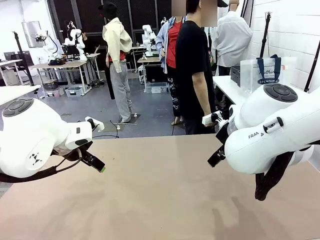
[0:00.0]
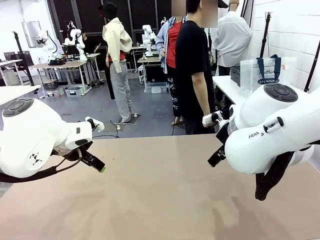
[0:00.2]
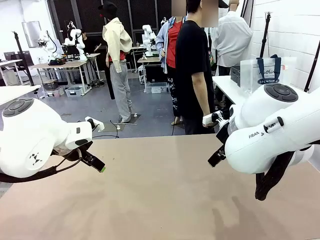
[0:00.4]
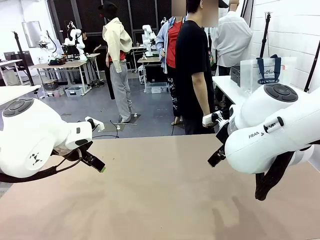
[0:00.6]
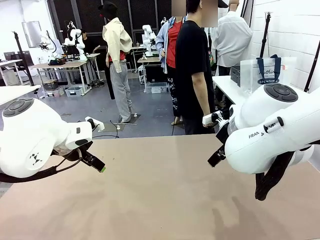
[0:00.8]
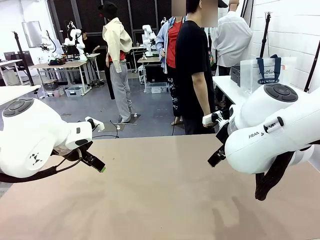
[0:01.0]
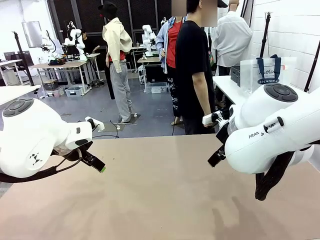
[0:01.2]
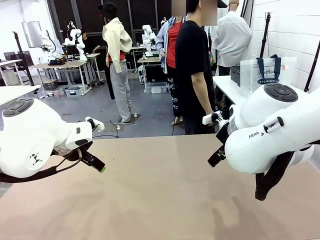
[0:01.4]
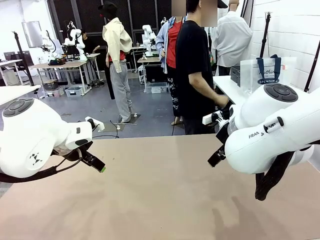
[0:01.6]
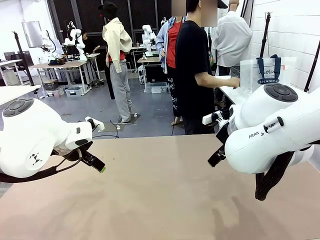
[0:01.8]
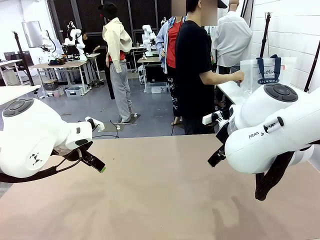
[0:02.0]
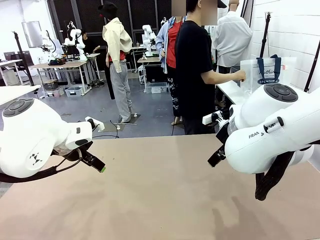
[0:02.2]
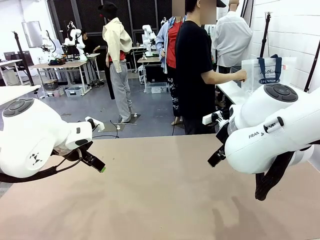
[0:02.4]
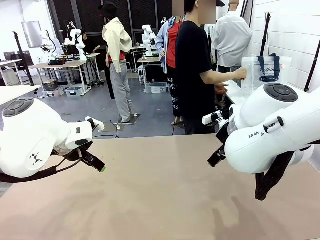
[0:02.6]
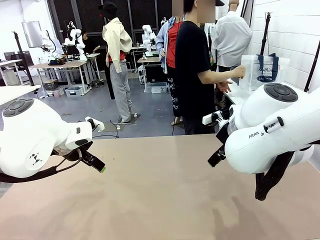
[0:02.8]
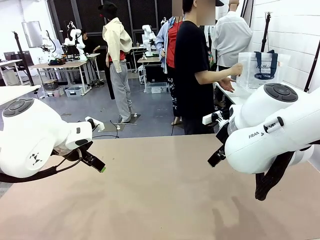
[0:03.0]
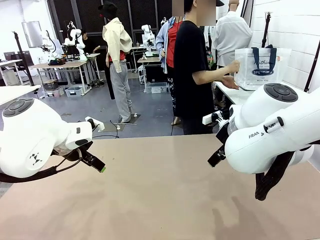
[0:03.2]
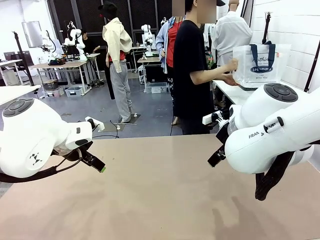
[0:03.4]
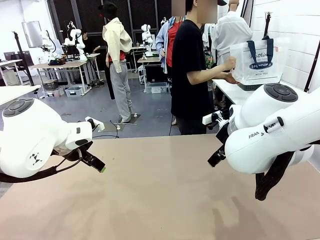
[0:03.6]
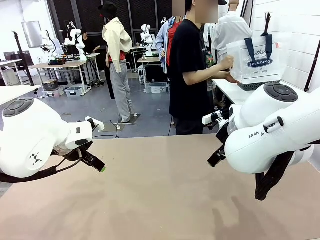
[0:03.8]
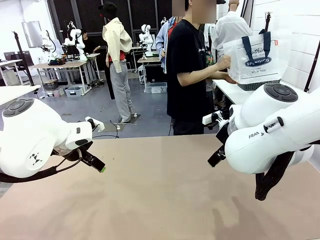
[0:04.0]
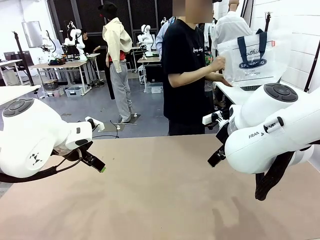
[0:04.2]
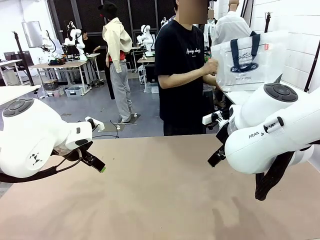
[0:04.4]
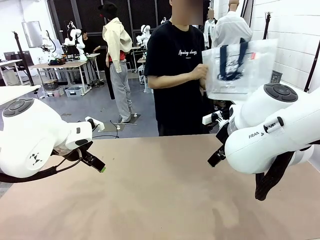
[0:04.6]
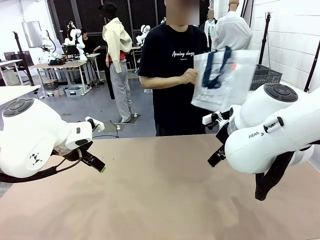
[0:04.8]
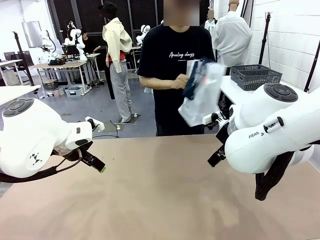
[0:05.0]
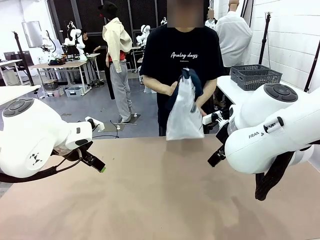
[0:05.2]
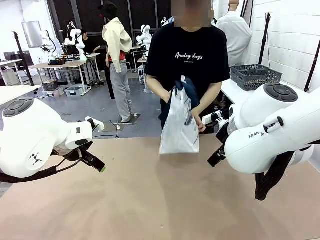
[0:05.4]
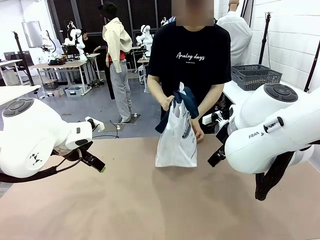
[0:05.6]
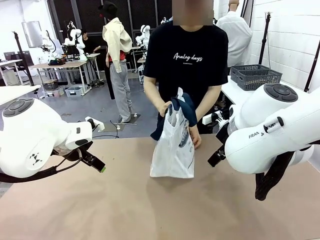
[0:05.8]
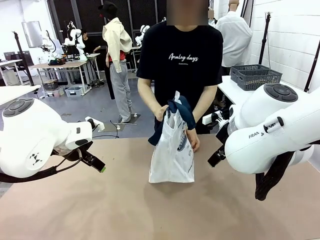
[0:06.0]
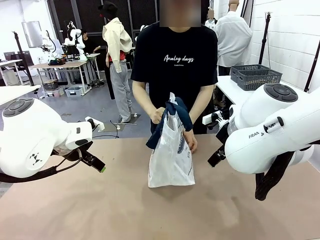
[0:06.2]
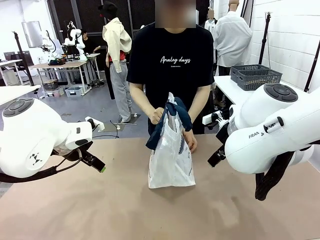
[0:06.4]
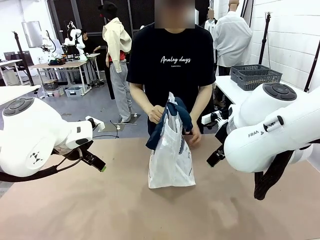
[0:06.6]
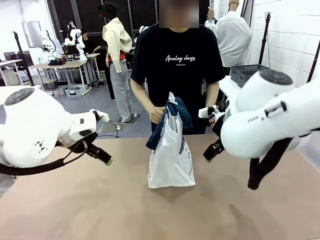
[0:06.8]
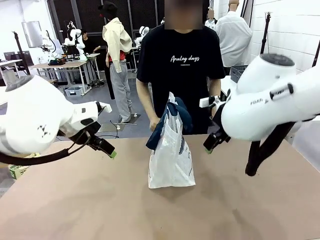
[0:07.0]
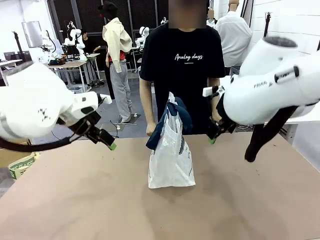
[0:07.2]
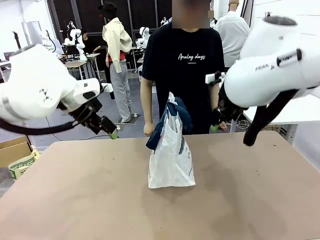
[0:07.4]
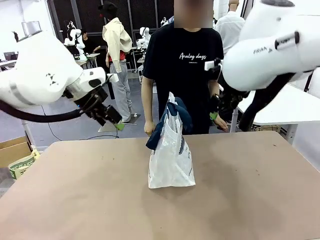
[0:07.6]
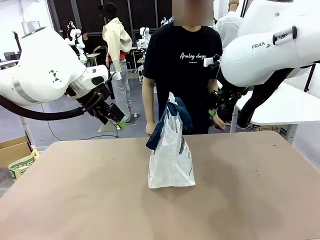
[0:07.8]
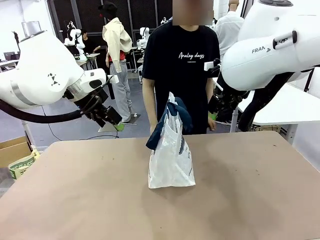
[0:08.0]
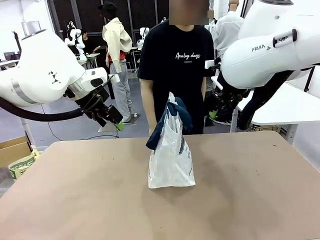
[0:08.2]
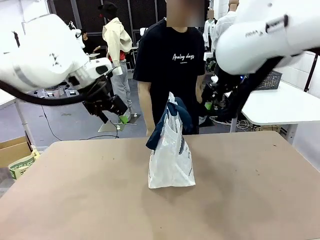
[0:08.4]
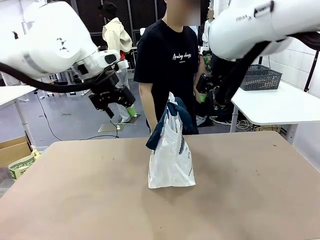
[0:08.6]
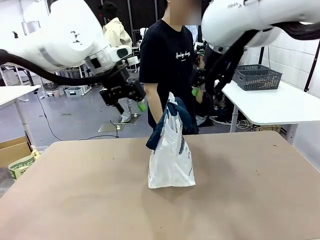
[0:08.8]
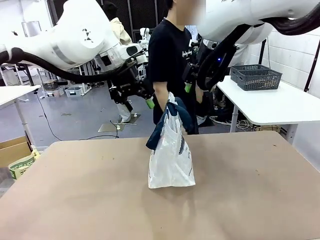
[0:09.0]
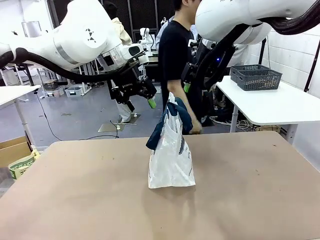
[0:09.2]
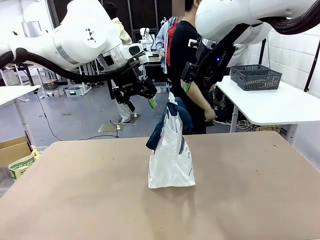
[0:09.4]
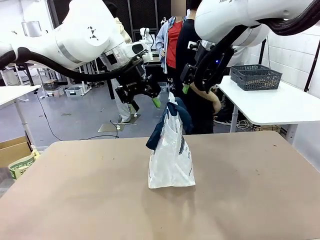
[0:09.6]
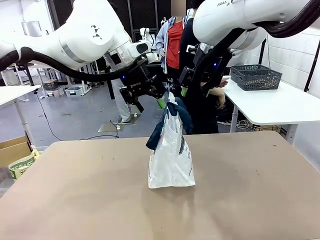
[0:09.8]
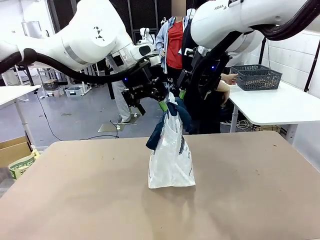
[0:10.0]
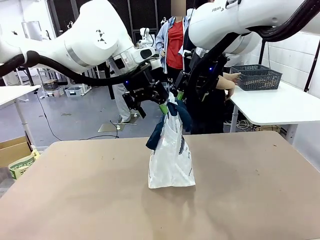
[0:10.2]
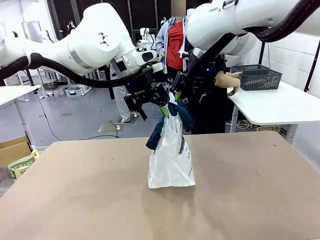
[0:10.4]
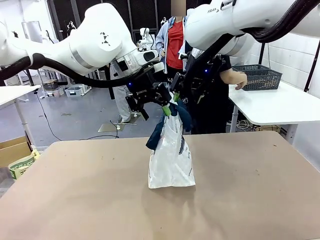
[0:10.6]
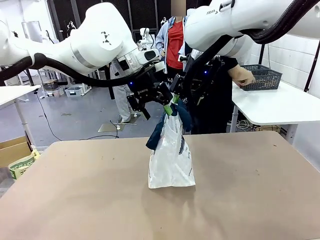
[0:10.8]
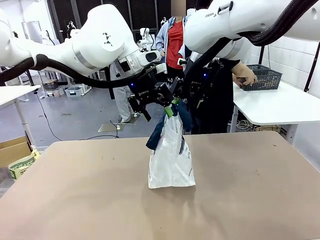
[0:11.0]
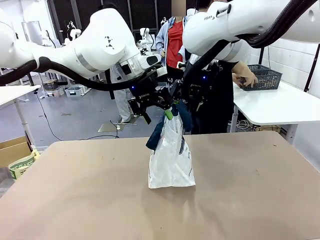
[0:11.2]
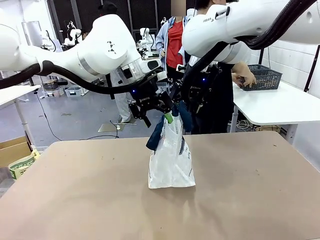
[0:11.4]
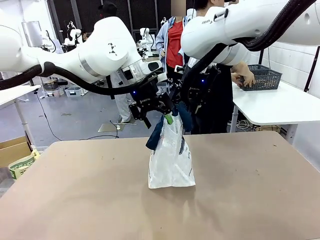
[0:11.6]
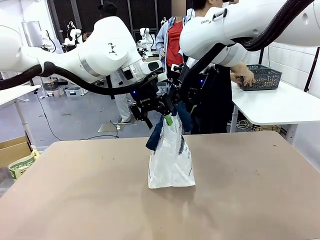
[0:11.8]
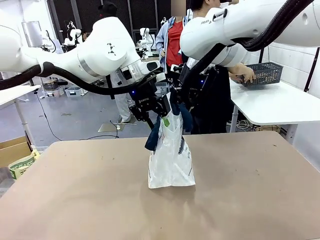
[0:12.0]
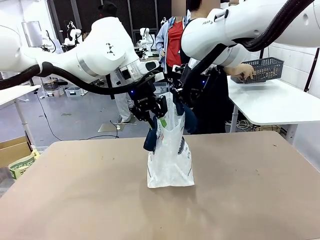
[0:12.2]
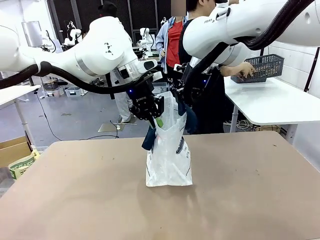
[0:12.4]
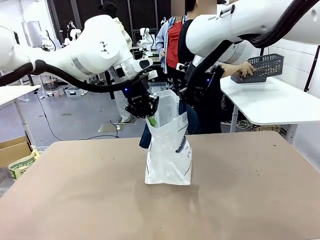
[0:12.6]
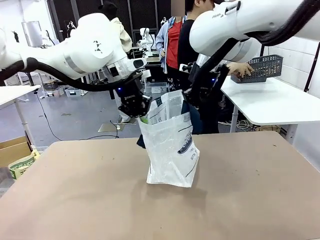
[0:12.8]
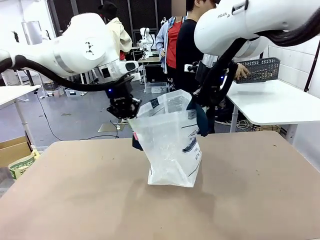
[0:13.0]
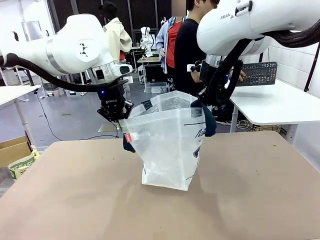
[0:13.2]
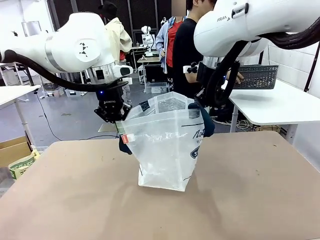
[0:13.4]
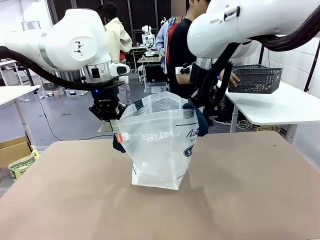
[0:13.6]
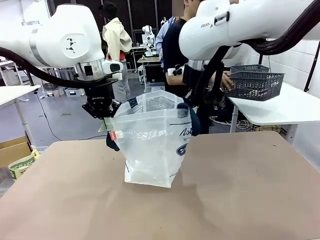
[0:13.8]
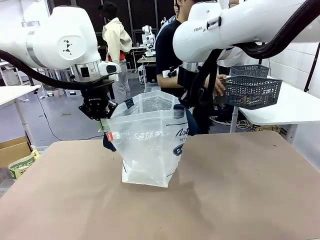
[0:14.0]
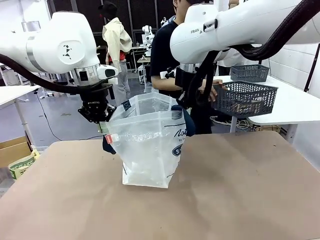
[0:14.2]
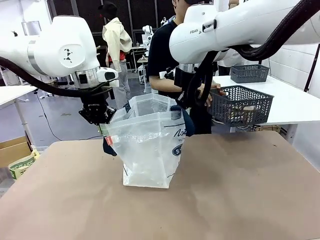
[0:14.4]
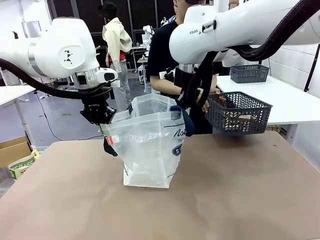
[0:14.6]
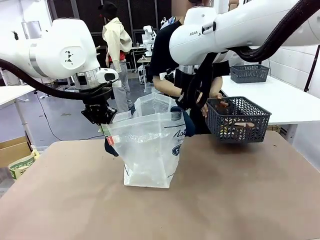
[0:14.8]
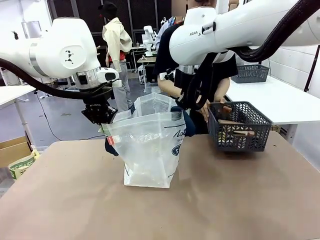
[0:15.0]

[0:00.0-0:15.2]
Task: Transfer purchased items from the store into the shopping bag.
Robot: Open the Reusable shopping bag in the center of the table.
Person: Pick up the shopping bag and place it in the middle of the robot table.
